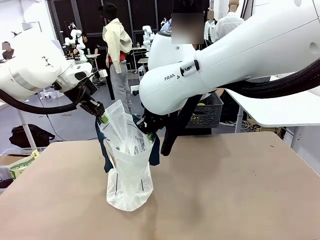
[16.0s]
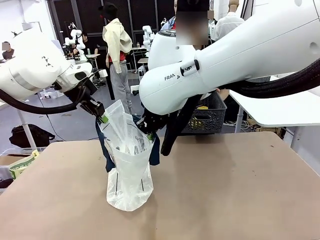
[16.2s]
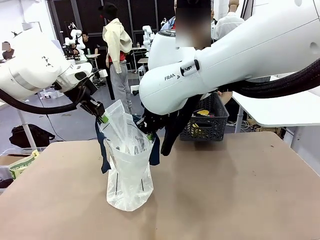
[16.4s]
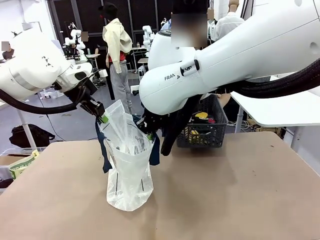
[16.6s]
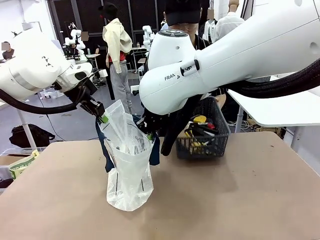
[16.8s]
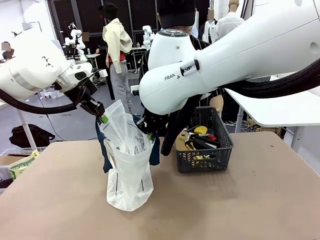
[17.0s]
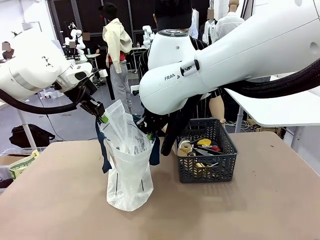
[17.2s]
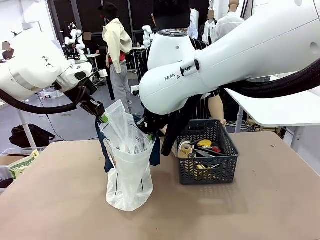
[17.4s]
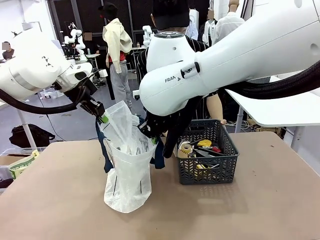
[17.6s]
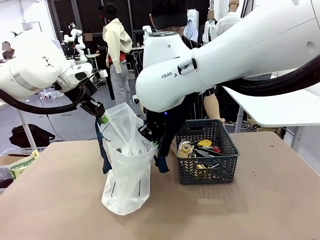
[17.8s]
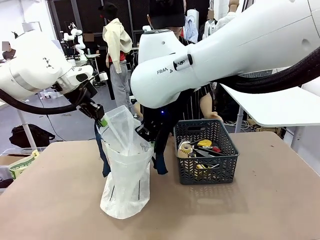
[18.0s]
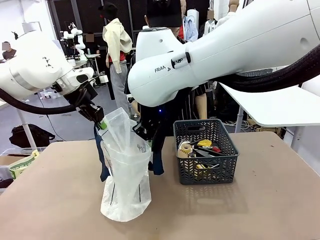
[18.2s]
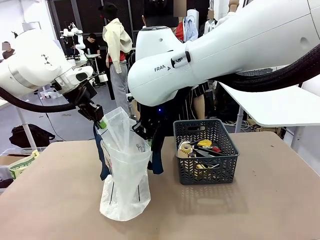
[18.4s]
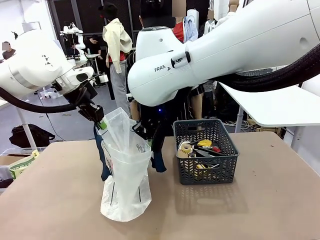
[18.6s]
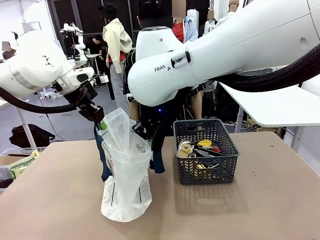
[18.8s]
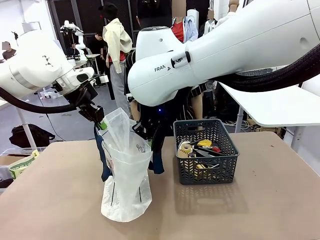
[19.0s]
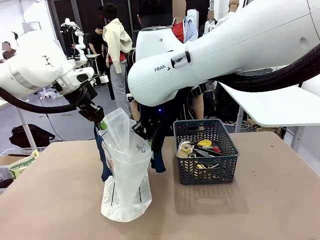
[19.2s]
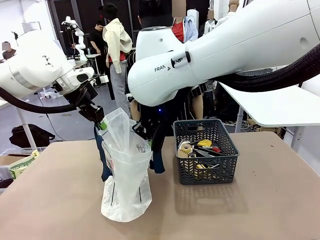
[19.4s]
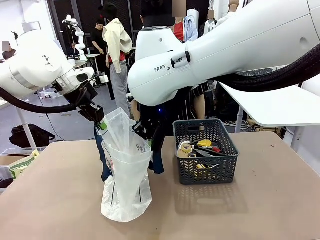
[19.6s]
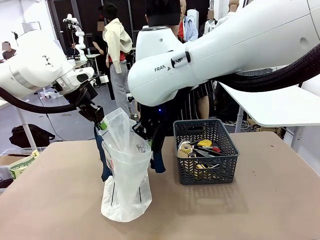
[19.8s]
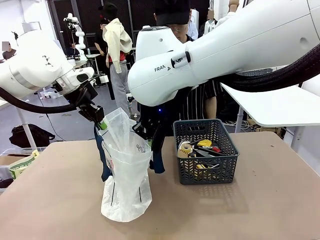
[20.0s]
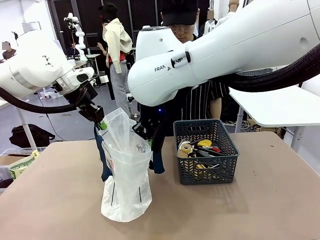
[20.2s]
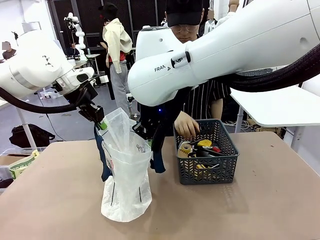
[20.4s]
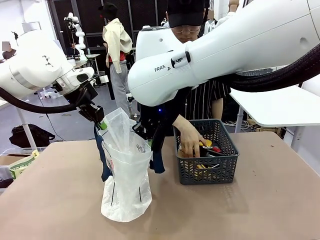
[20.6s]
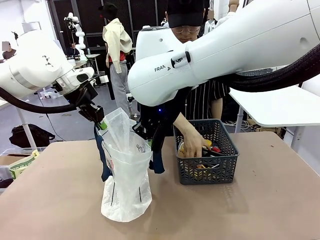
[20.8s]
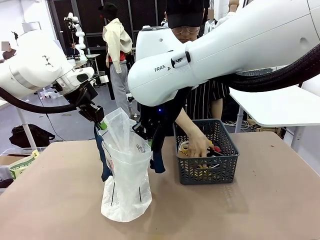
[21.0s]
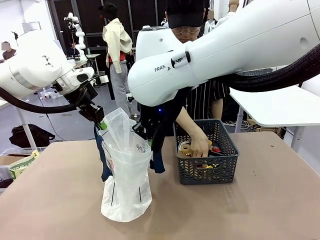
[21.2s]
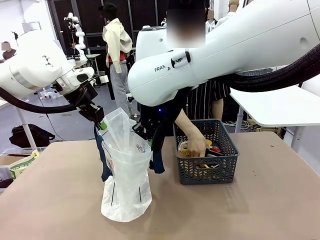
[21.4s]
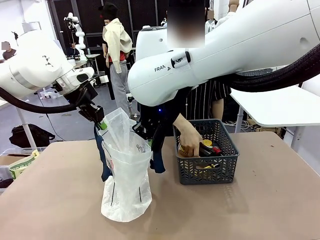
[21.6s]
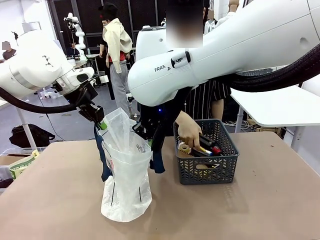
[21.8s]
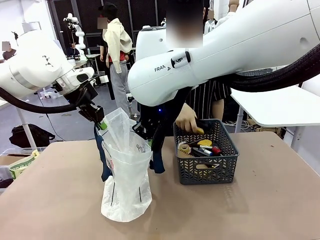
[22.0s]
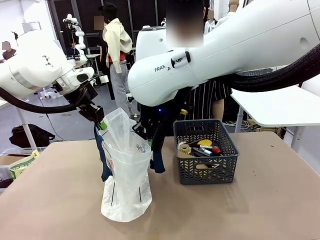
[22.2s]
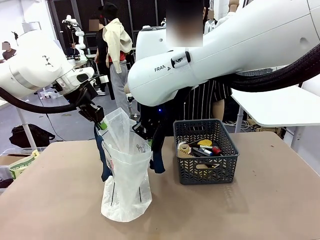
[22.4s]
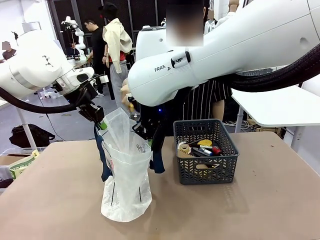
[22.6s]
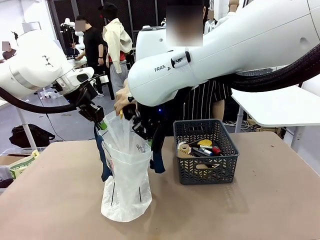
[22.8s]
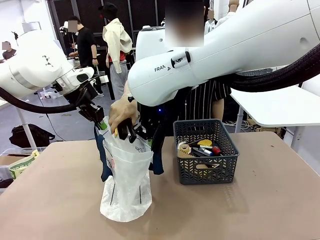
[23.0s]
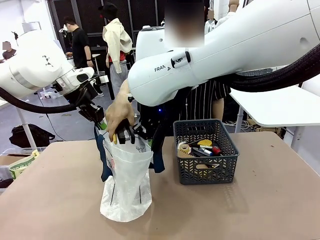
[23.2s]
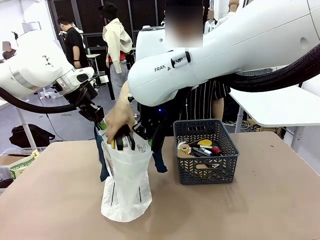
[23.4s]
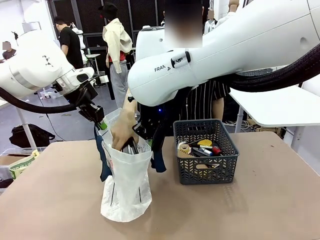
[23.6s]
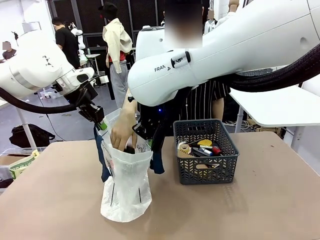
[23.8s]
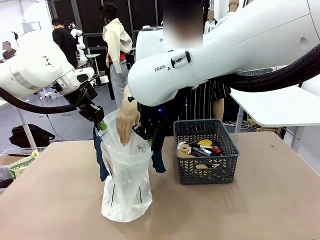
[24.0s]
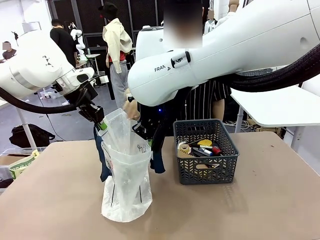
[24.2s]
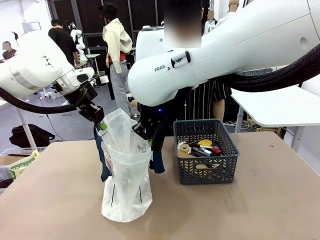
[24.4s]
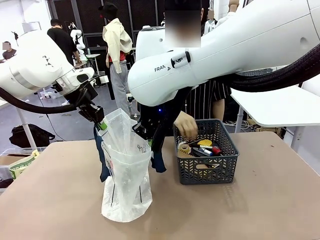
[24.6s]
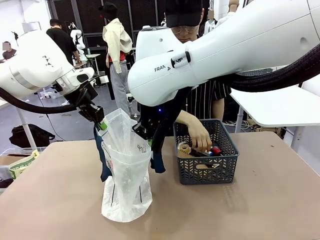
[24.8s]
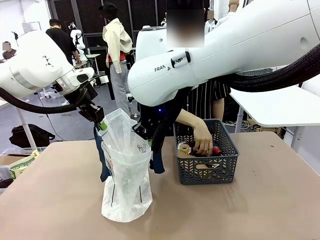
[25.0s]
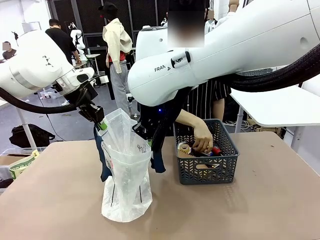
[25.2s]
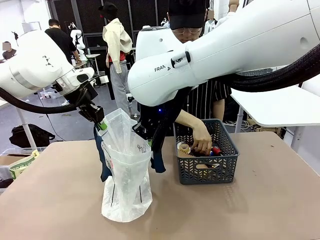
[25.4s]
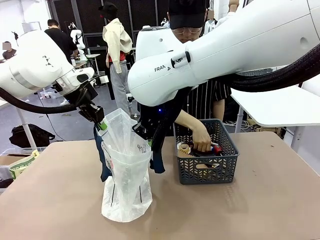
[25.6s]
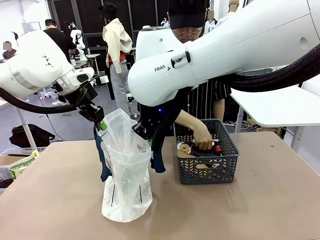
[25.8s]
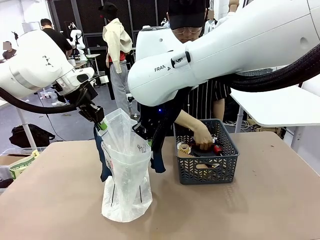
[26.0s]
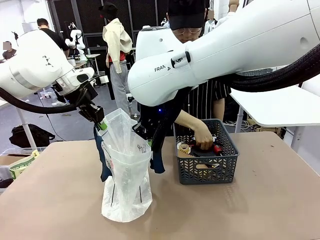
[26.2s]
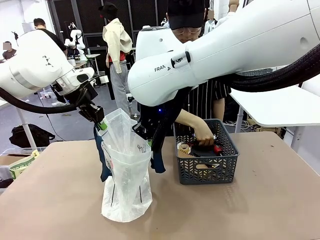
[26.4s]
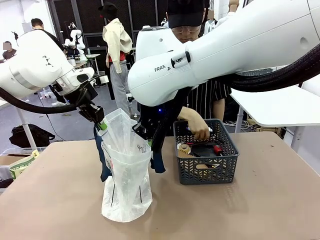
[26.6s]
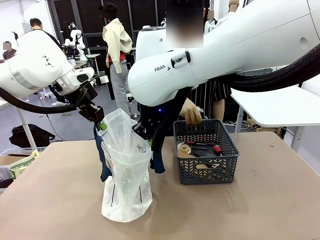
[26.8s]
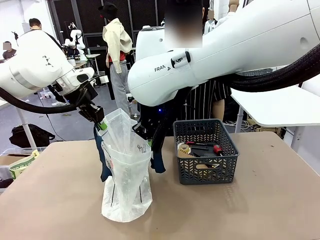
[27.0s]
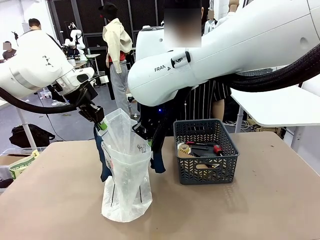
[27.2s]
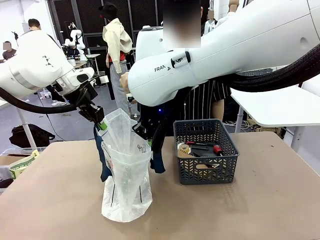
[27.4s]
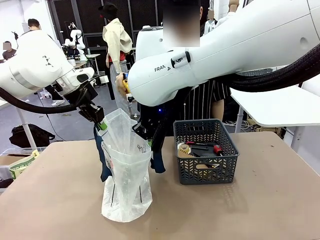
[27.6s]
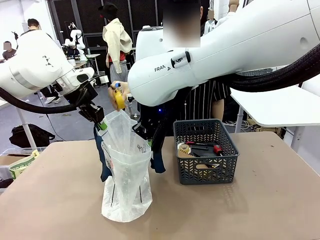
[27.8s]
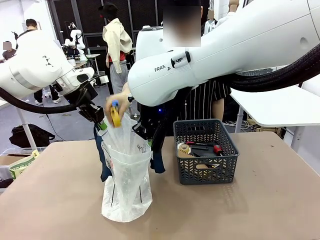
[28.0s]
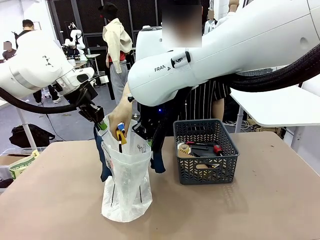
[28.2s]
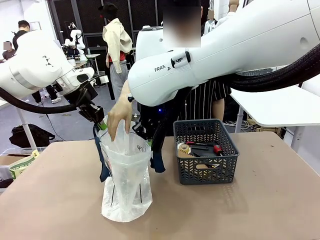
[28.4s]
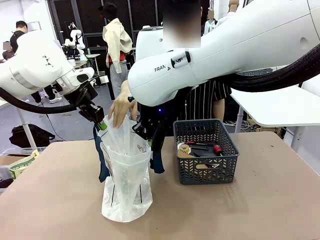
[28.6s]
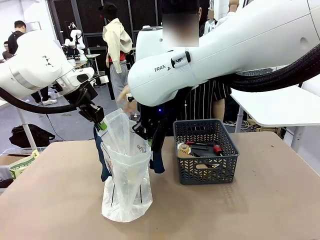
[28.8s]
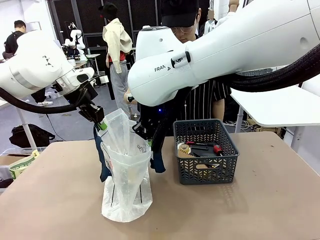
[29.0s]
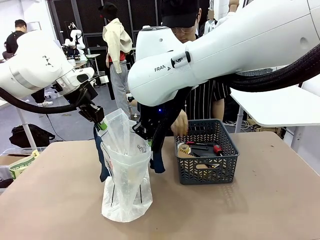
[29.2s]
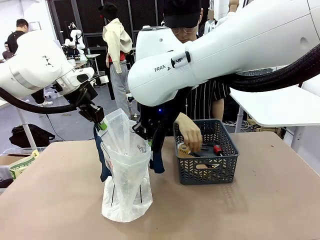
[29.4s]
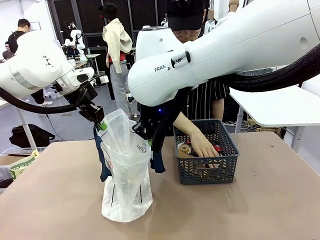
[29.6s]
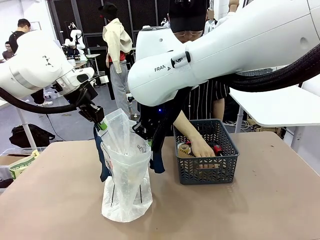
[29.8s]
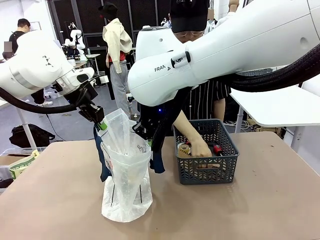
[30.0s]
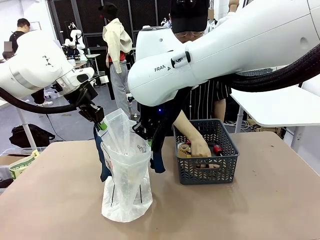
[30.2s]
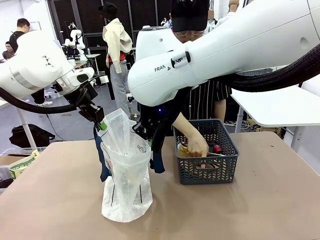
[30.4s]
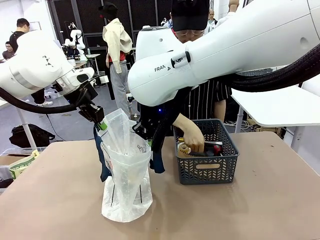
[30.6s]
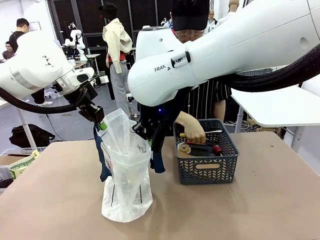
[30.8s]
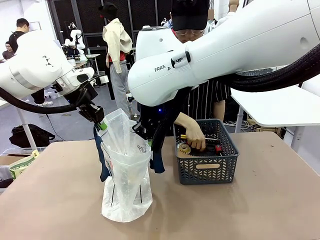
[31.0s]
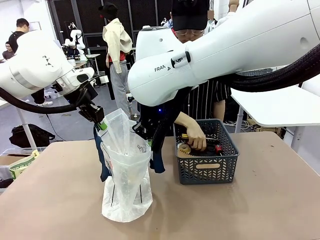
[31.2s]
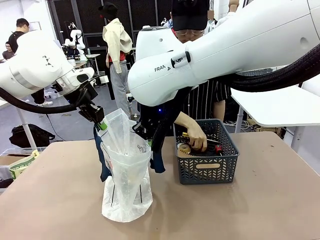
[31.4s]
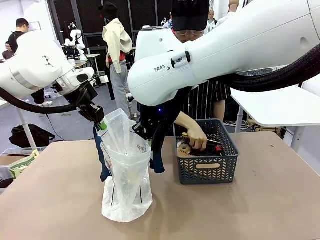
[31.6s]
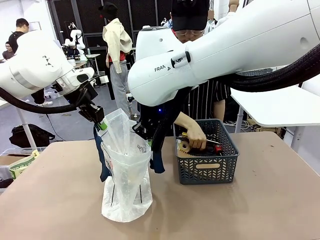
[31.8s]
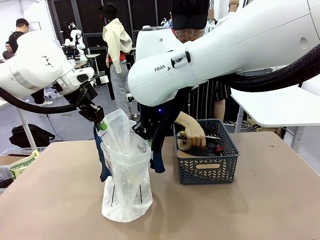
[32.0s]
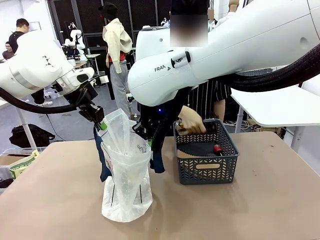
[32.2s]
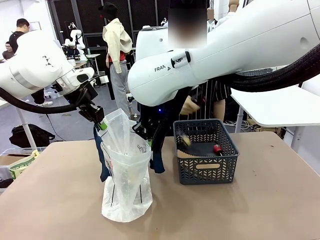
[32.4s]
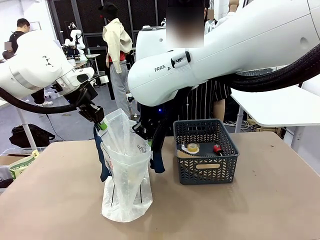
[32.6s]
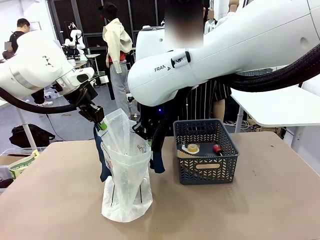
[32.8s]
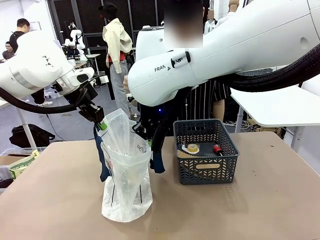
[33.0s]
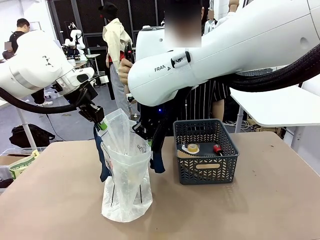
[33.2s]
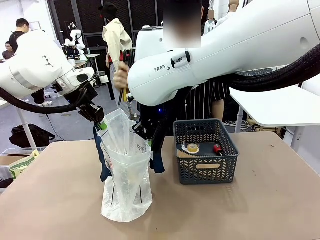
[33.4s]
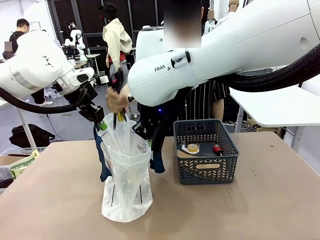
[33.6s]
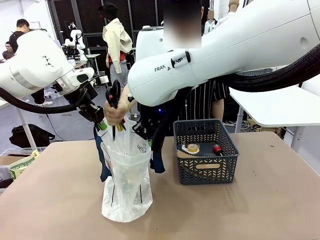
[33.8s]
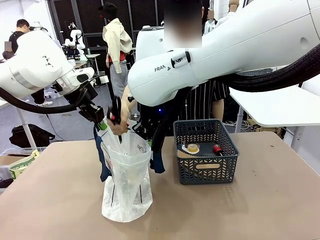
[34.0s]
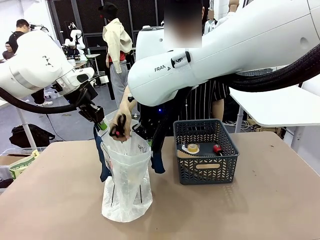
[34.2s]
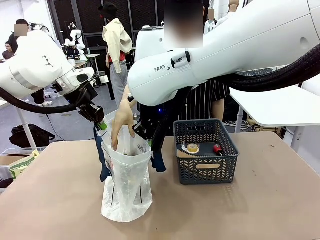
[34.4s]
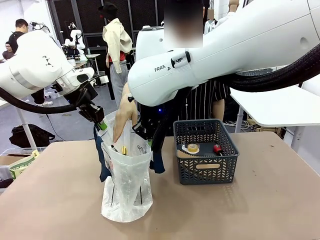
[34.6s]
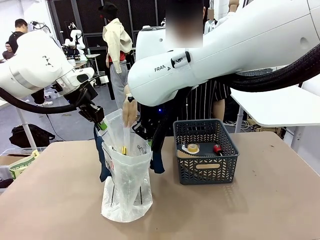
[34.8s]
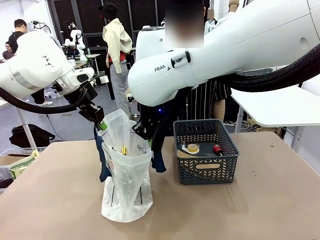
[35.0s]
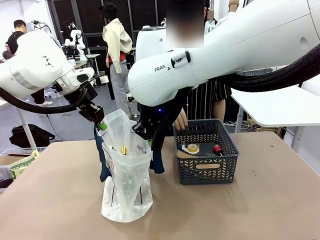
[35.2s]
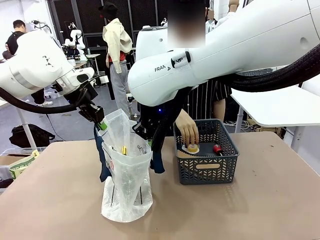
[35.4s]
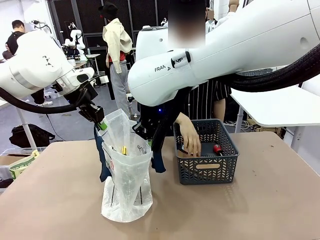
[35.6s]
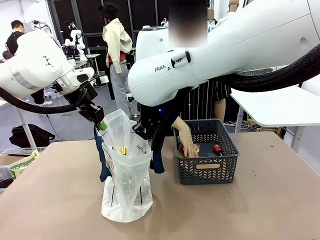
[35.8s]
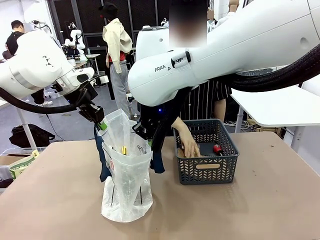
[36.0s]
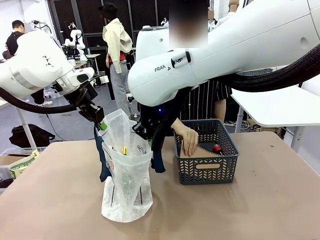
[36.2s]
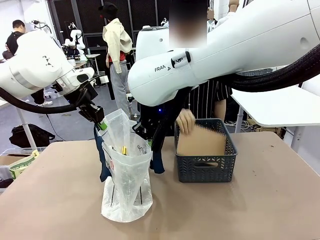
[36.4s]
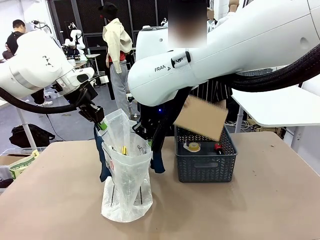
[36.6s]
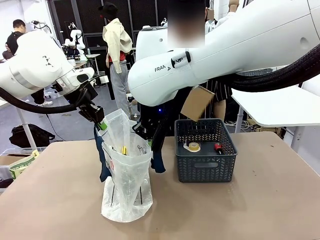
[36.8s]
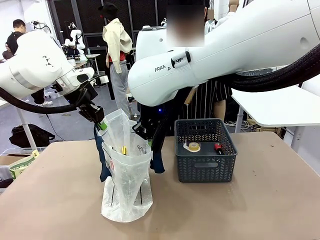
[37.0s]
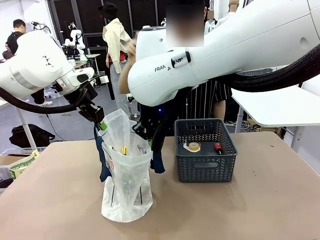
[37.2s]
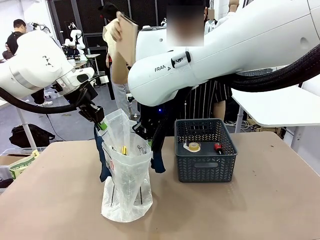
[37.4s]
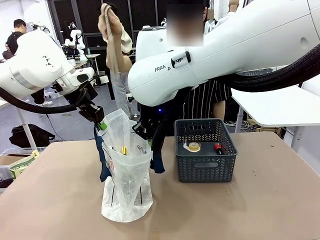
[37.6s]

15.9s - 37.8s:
Task: Transfer purchased items from the store into the shopping bag.
Robot: Move the Reusable shopping bag to the right side of the table.
Person: Pick up the basket with the items out and place it on the right side of the human table.
